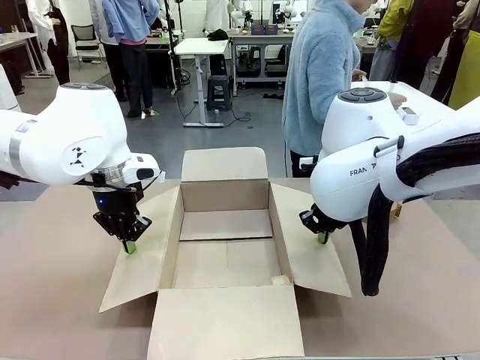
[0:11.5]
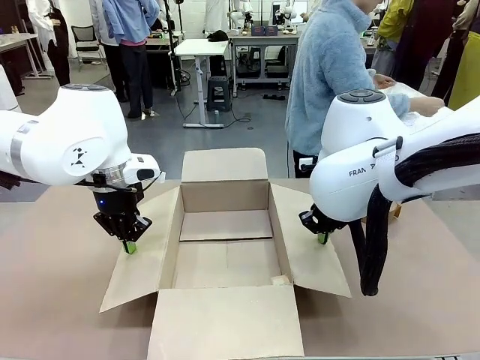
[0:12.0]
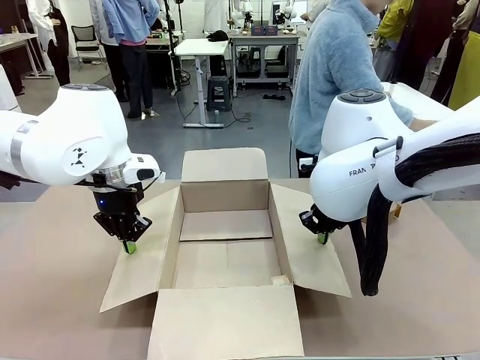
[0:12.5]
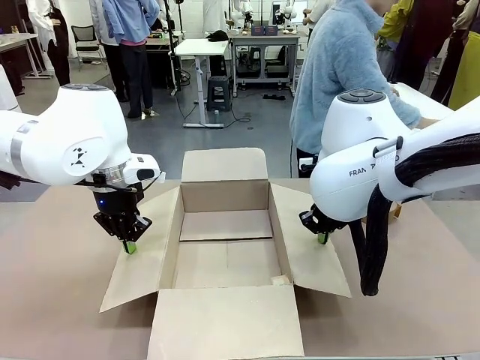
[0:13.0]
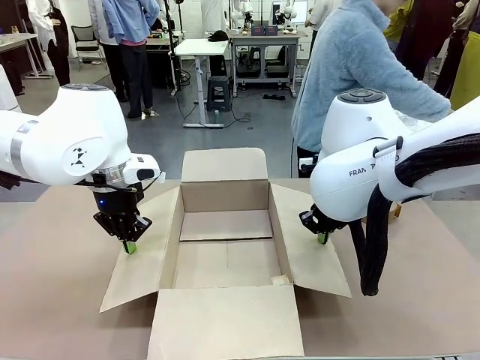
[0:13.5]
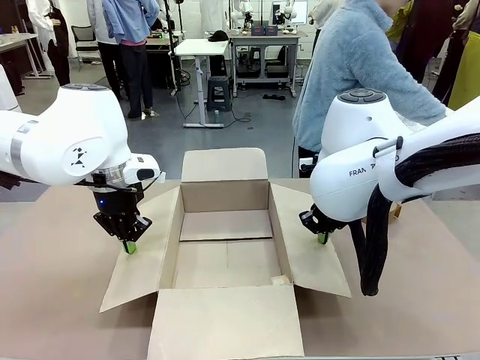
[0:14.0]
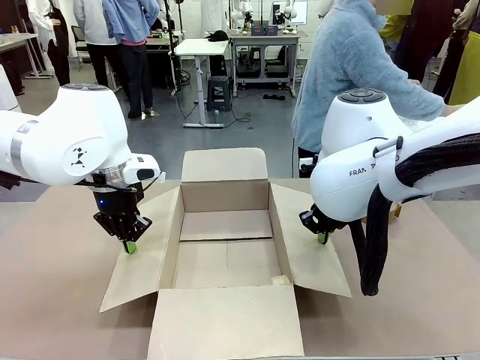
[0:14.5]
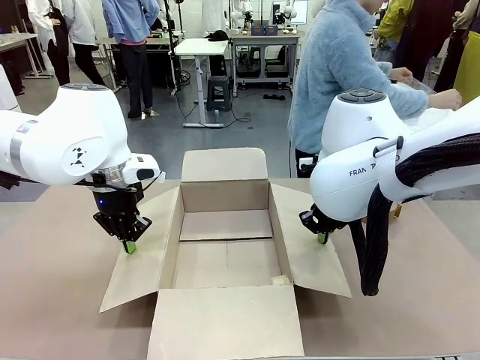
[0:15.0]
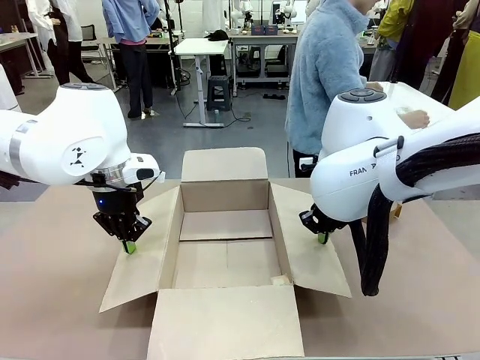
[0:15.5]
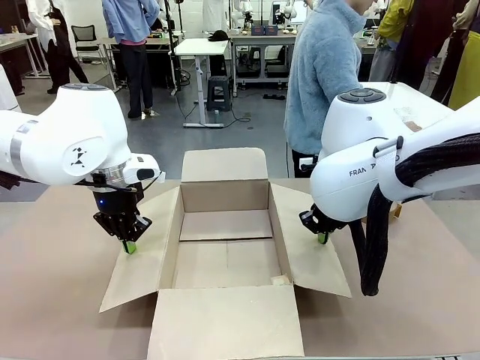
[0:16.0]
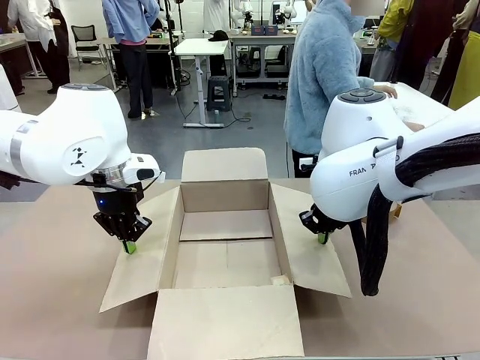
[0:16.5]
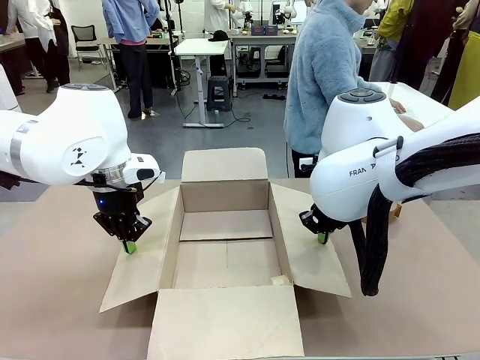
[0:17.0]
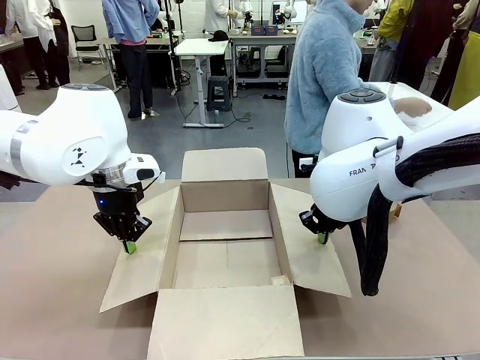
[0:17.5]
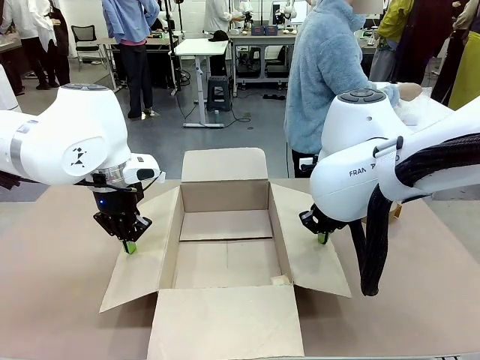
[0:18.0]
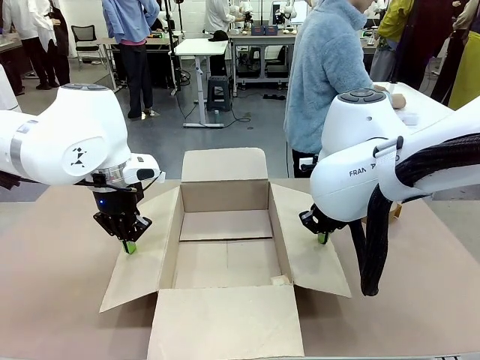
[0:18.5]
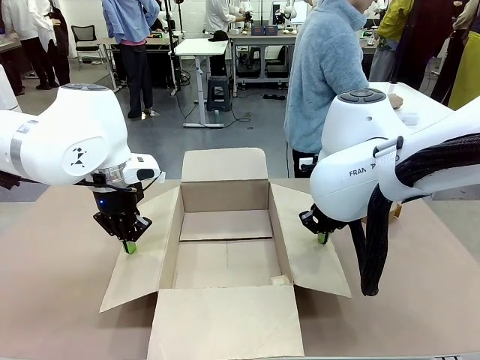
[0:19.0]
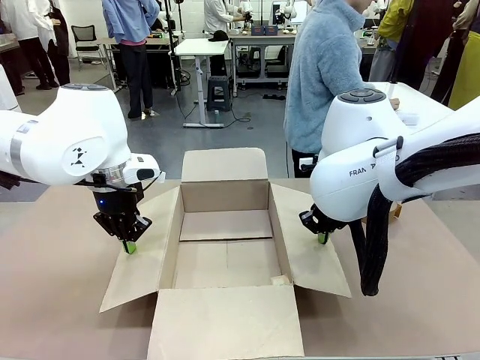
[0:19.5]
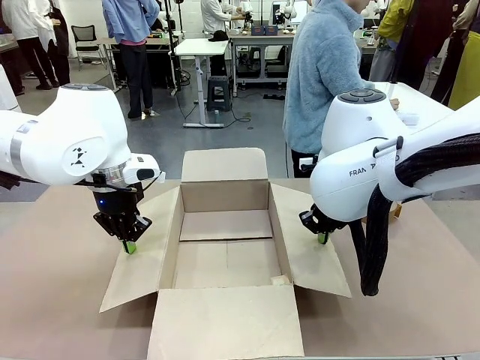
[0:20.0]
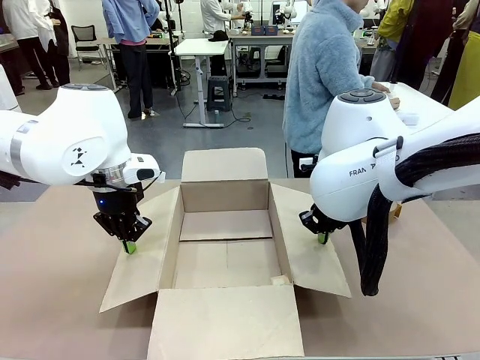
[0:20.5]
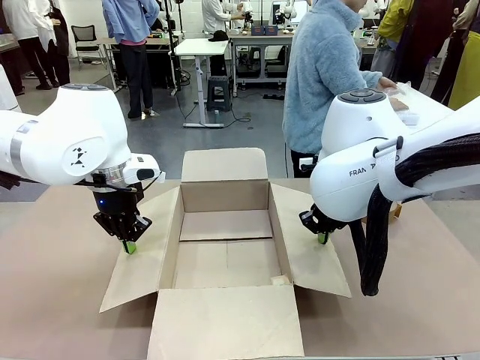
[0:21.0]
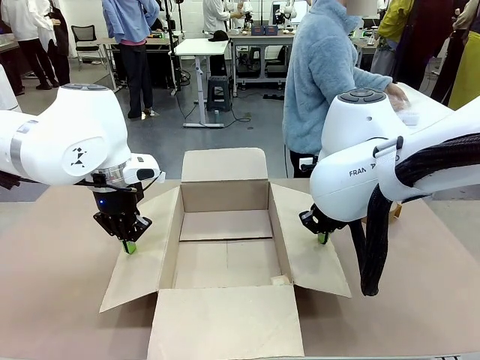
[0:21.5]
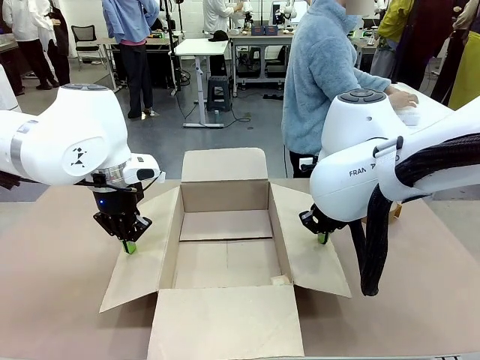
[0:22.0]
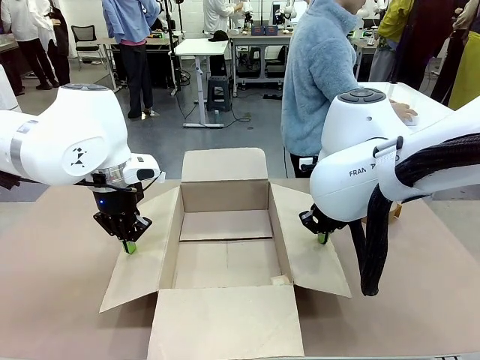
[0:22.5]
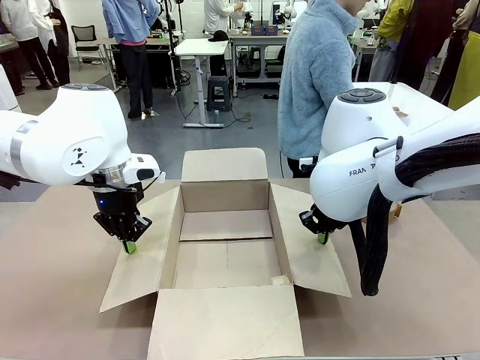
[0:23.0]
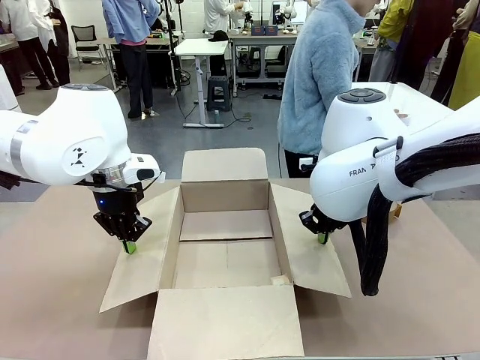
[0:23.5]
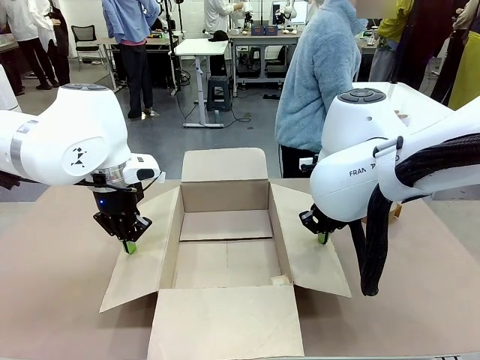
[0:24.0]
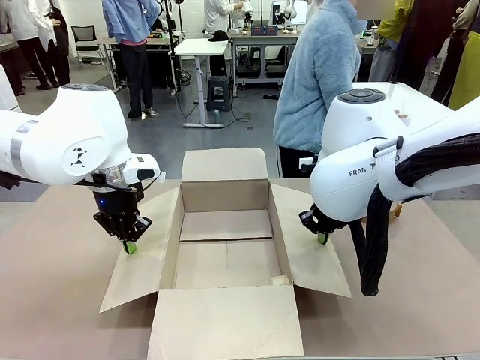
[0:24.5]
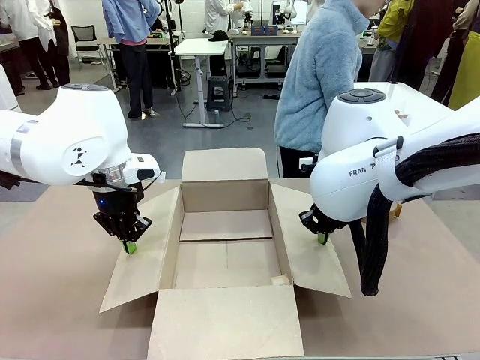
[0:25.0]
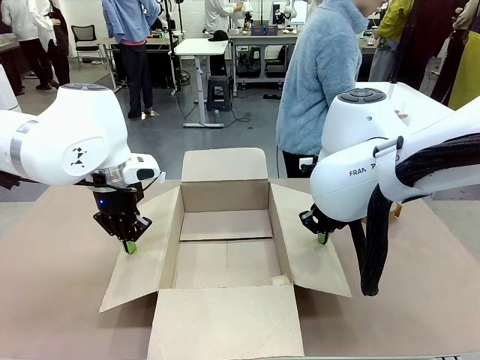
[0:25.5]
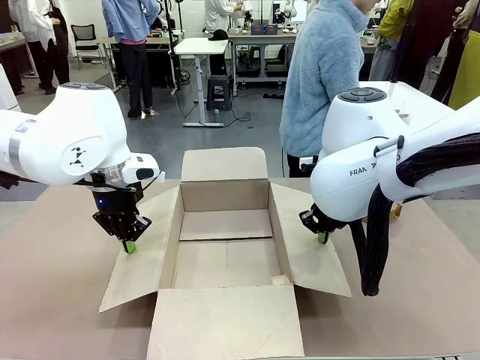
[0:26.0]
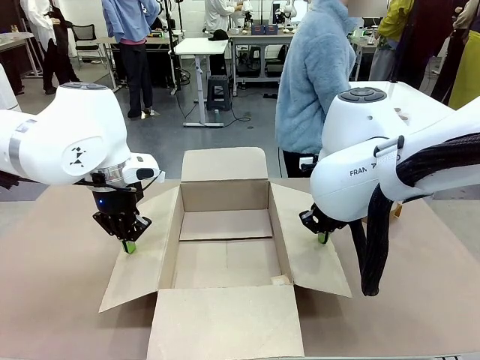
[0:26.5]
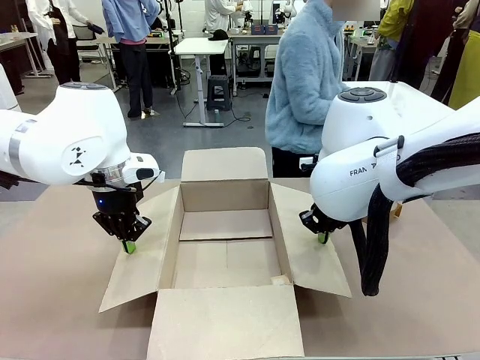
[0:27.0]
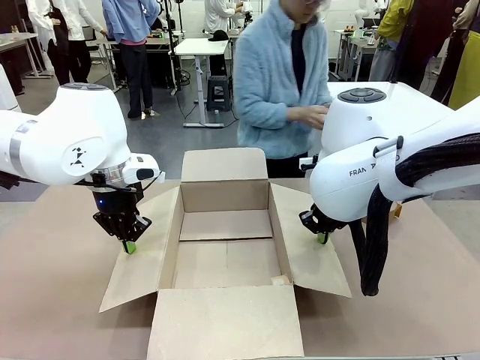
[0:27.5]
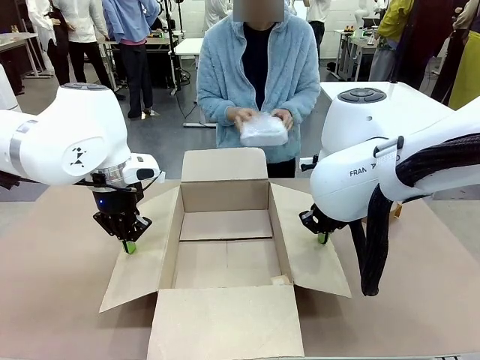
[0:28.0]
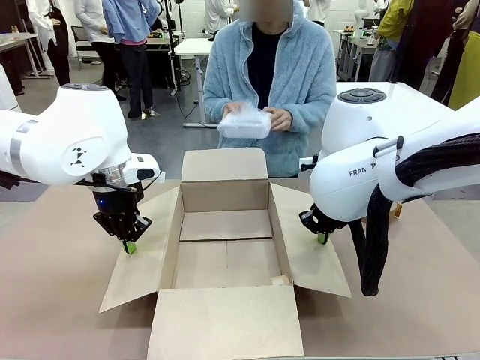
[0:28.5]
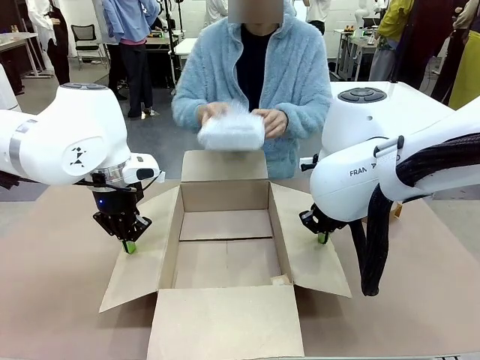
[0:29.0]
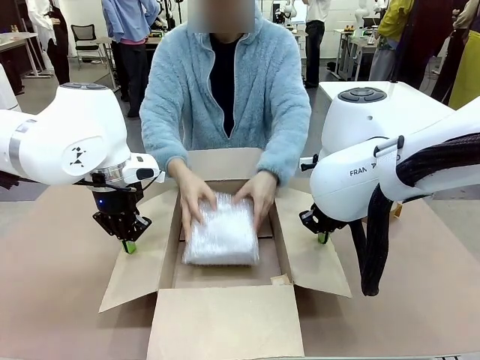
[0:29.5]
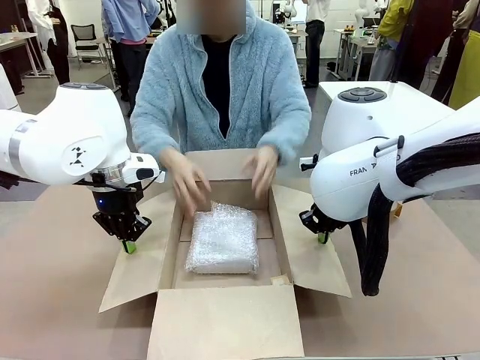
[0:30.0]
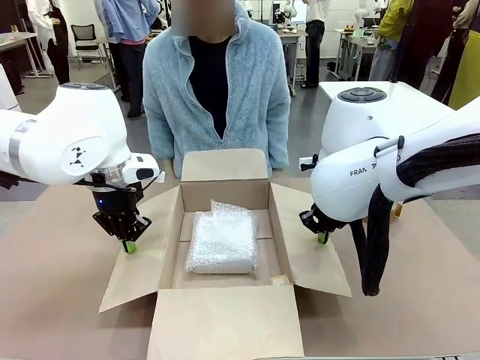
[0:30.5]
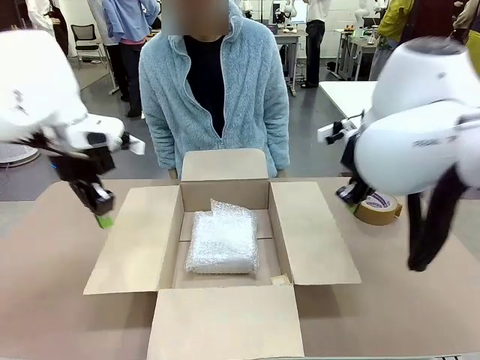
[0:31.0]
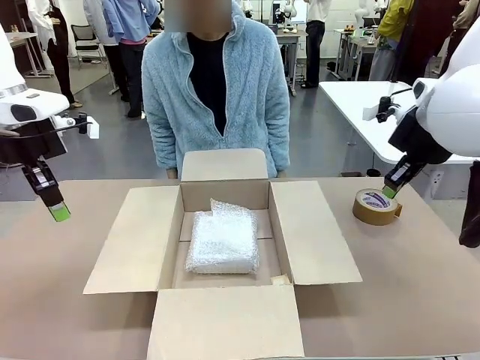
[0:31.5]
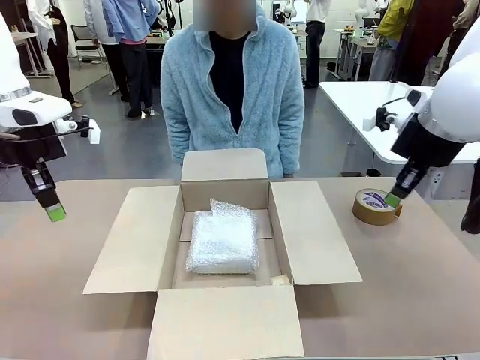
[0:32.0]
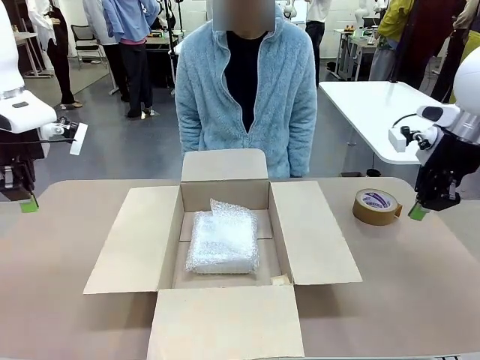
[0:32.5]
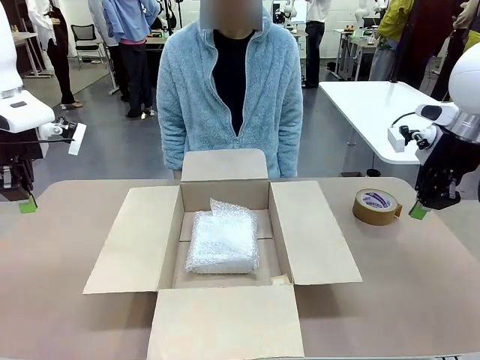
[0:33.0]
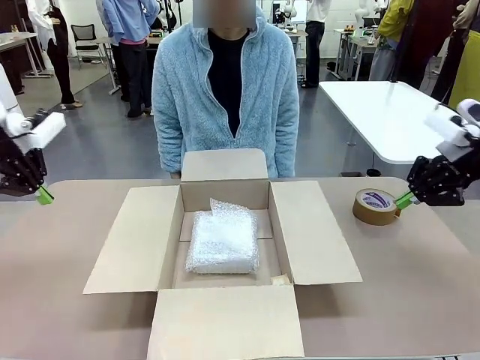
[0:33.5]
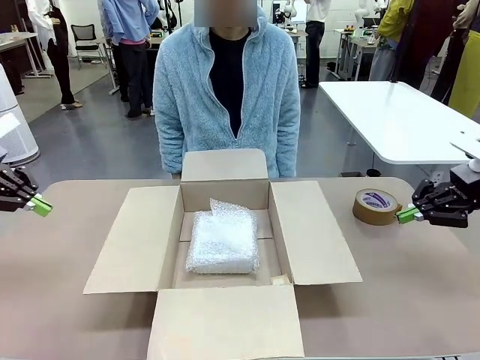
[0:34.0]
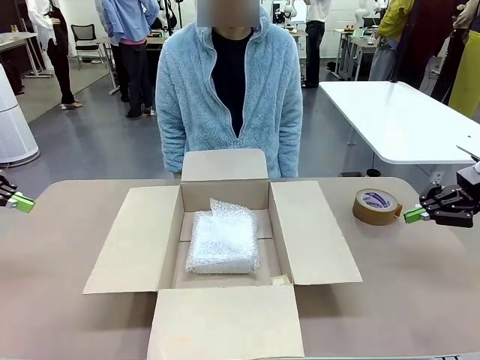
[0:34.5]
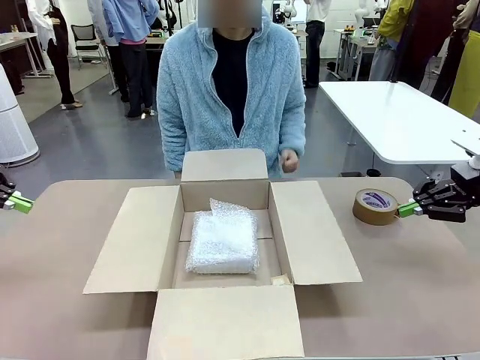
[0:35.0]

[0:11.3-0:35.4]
Task: Wrap the clocks to prevent damage.
Robot: Once the human has placed the objects inside and stepped back, release both hands from the side flaps of the Package Box.
Person: Wrap the two Digital clocks with Bubble Wrap. Place the wrapped Digital clocks inside the Package Box. Hold the top and bottom flaps of the Package Box closed with your left (or right) hand.
